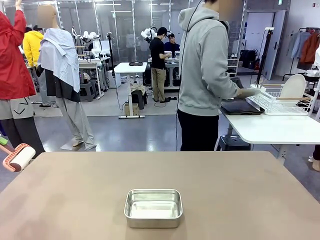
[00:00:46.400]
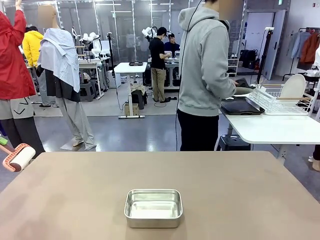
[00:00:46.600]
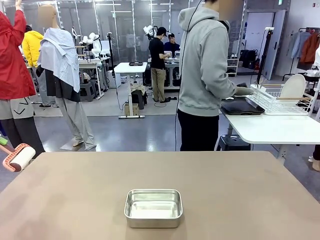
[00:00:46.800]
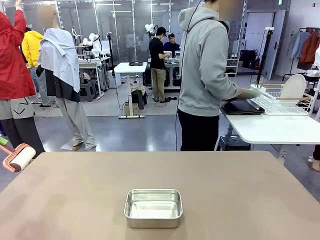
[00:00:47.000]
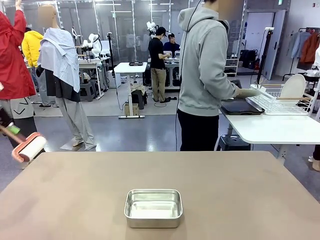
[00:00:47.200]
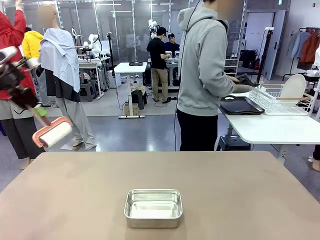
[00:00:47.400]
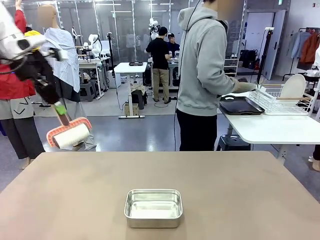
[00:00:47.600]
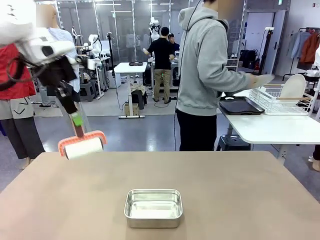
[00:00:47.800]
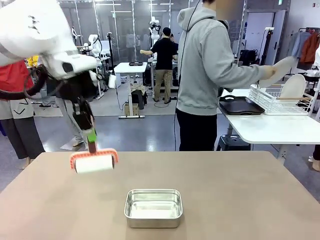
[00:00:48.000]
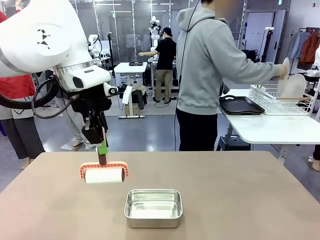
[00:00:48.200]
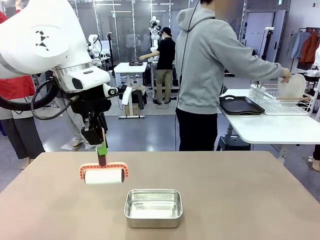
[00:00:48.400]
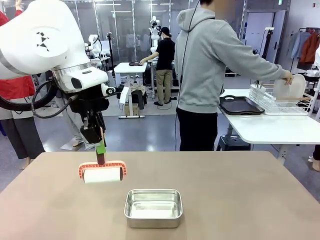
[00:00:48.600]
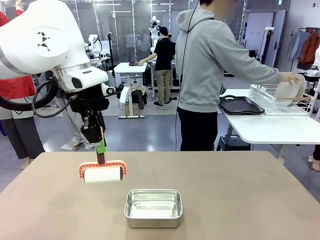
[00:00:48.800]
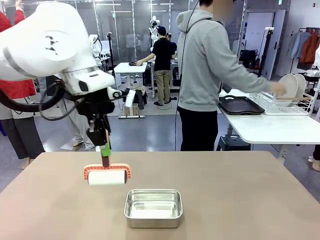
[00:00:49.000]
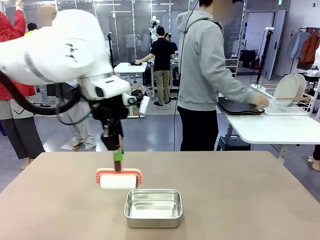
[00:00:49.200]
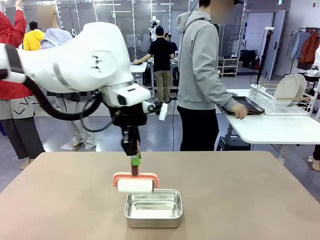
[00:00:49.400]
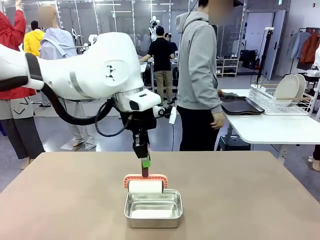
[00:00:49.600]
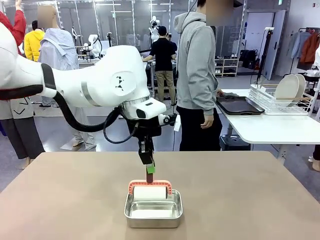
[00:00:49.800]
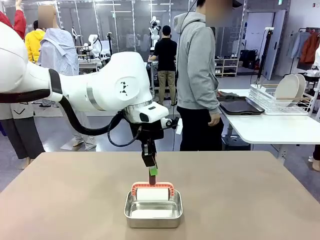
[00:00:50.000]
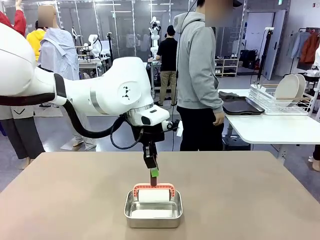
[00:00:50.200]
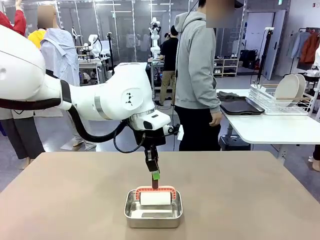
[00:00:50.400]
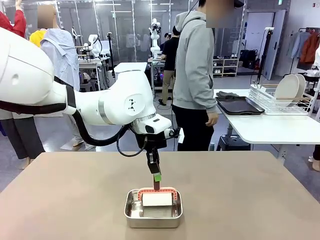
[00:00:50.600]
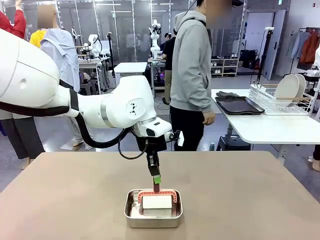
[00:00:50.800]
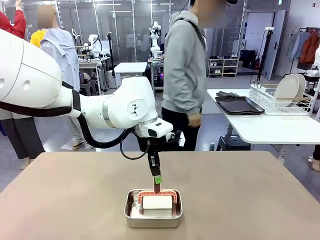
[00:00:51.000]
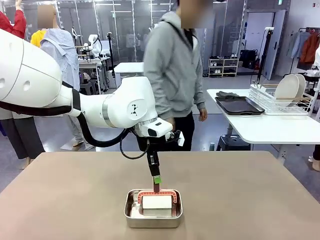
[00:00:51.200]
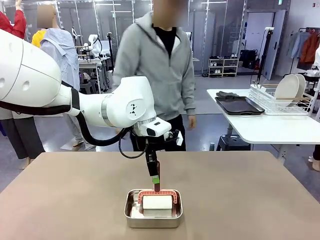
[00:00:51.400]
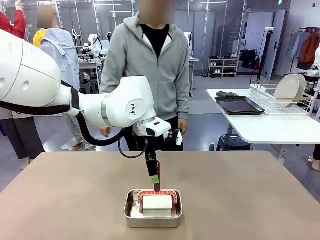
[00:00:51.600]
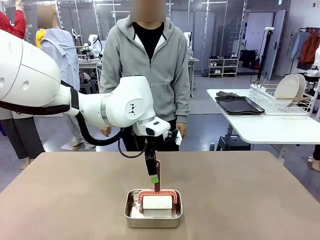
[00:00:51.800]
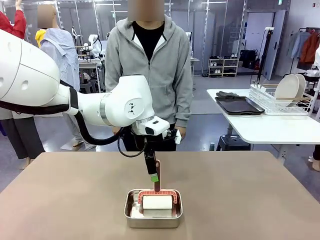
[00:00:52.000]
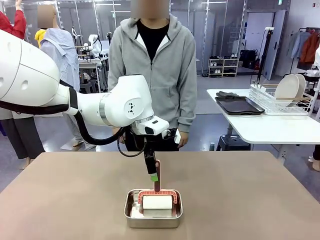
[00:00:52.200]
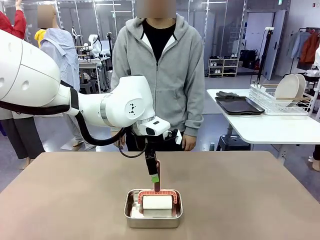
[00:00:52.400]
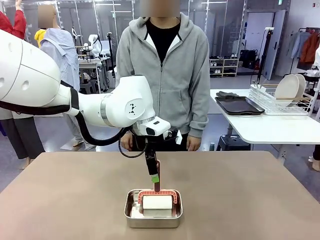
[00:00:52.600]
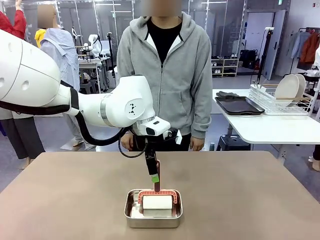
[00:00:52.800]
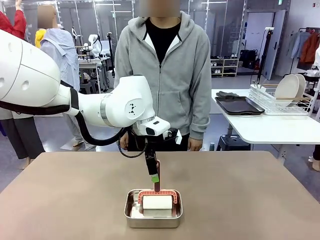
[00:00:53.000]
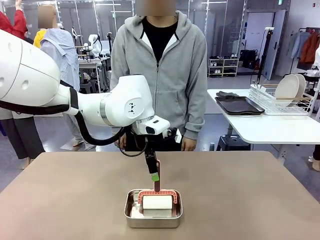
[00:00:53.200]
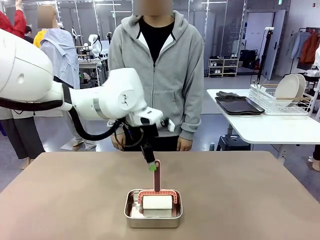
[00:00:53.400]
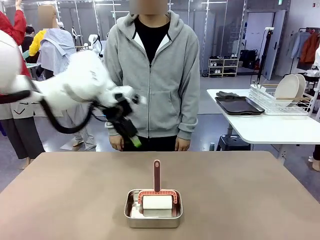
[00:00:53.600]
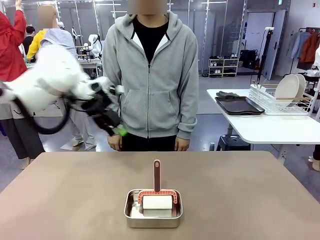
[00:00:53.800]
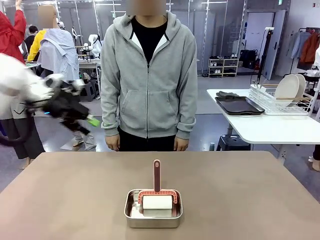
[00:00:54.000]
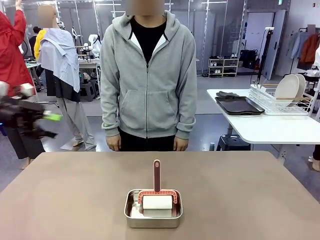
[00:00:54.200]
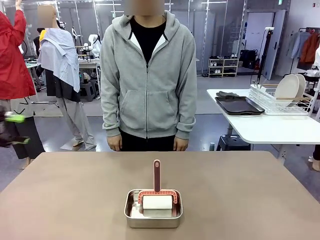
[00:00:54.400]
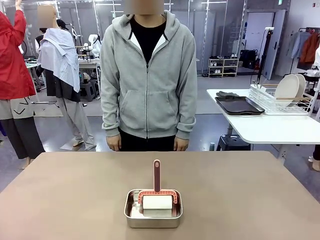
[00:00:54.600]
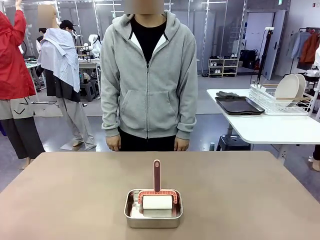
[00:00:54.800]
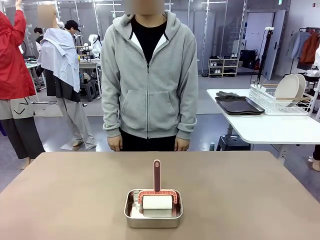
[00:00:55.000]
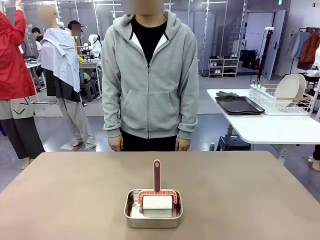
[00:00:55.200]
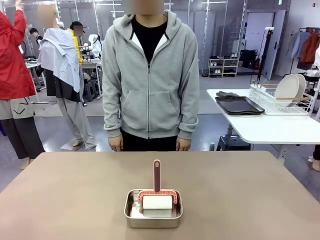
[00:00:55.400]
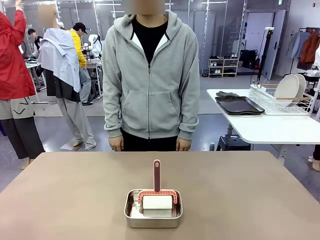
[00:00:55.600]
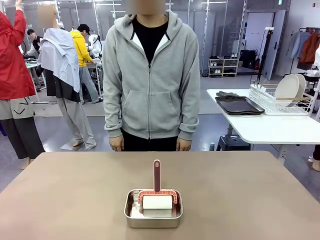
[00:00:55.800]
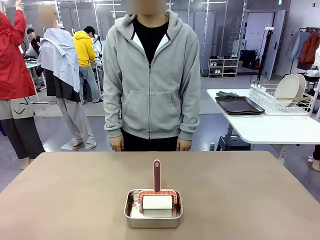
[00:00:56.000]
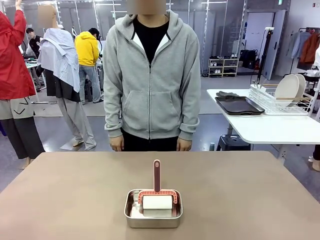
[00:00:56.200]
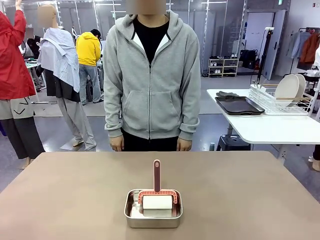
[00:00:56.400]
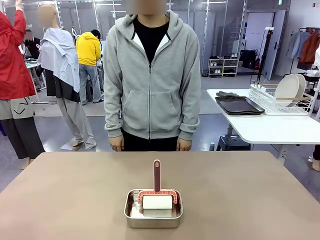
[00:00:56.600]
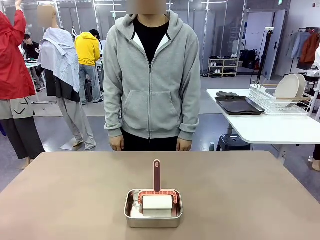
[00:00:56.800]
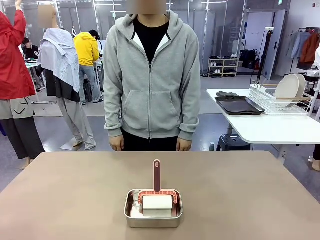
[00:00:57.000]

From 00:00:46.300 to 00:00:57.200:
Robot: Place the Lint Roller back on top of the Airtight Container.
Person: Use the Towel with hook to wipe the Plastic Matte Plate , Fork , and Knife and place into the Dish drying rack.
